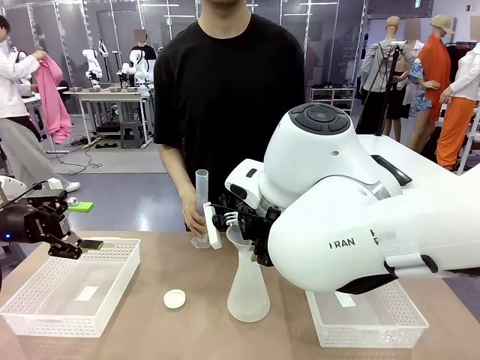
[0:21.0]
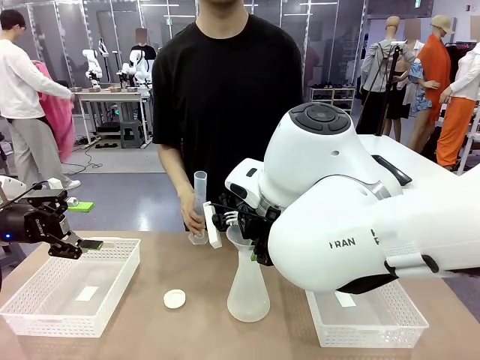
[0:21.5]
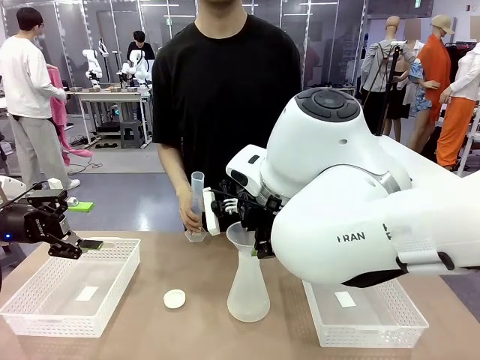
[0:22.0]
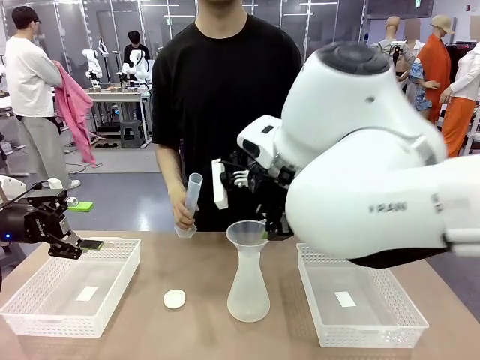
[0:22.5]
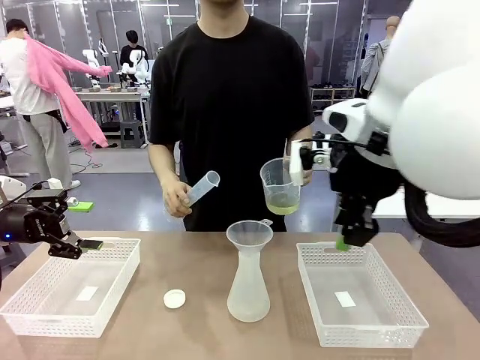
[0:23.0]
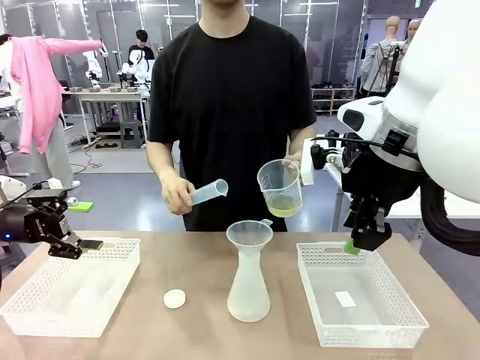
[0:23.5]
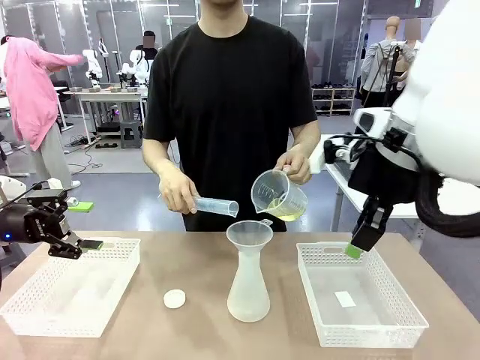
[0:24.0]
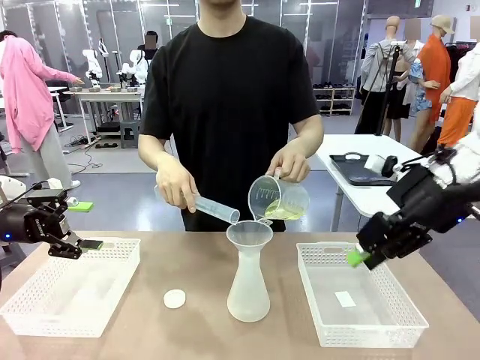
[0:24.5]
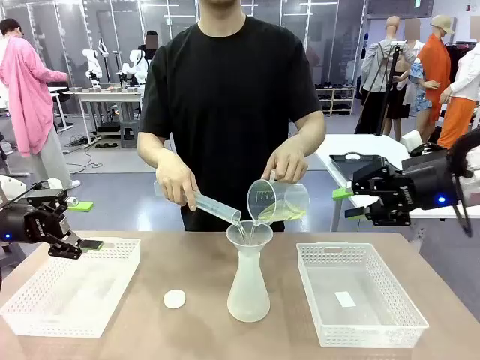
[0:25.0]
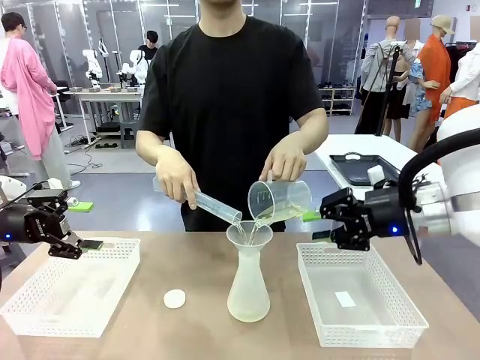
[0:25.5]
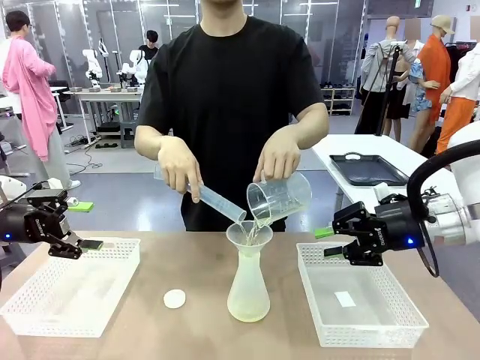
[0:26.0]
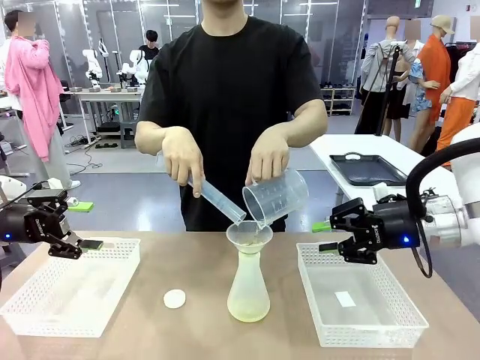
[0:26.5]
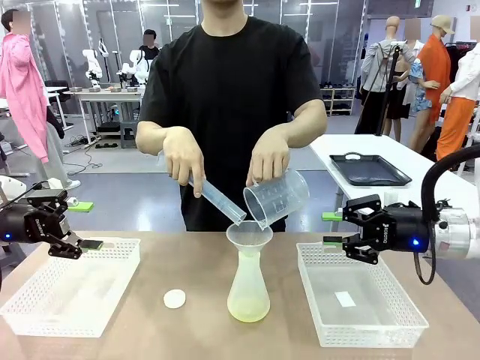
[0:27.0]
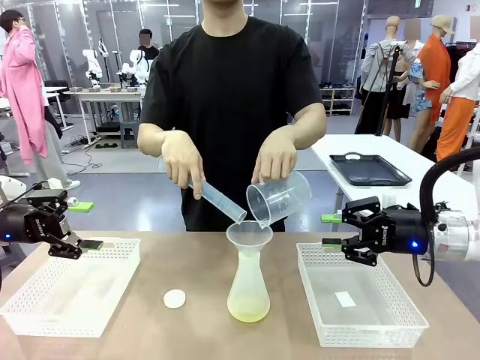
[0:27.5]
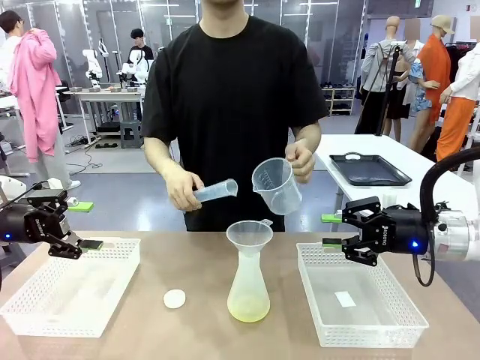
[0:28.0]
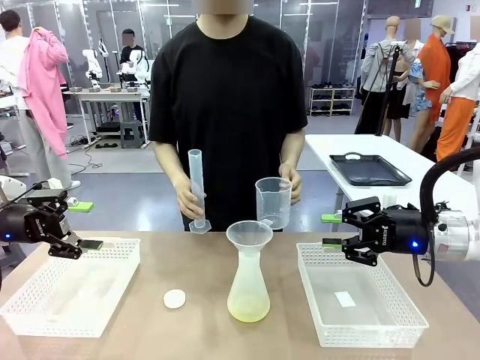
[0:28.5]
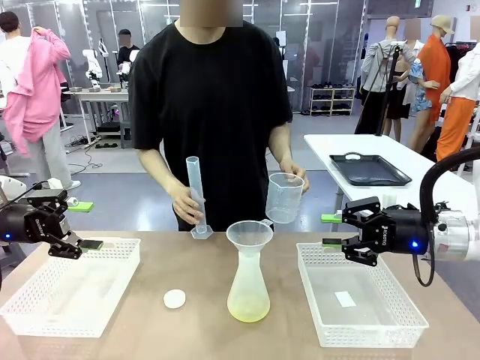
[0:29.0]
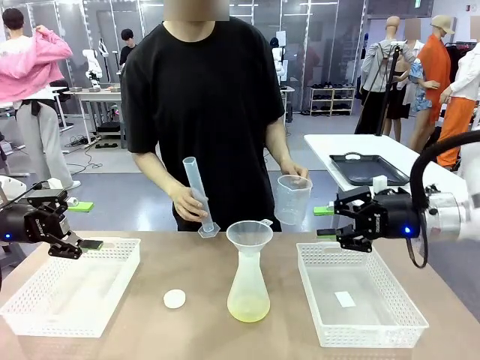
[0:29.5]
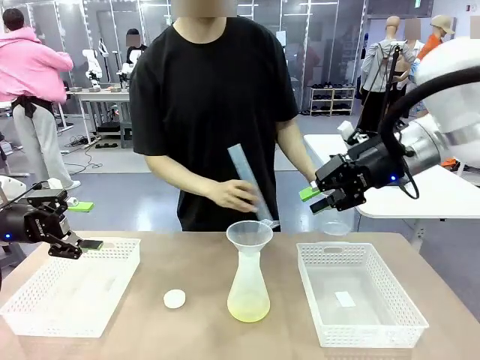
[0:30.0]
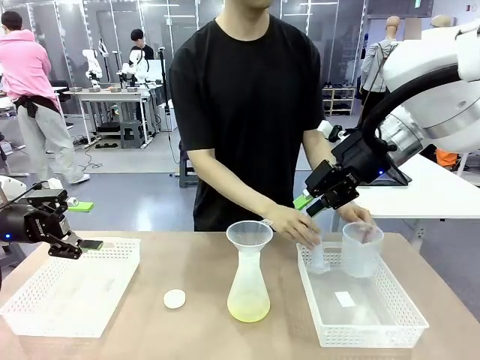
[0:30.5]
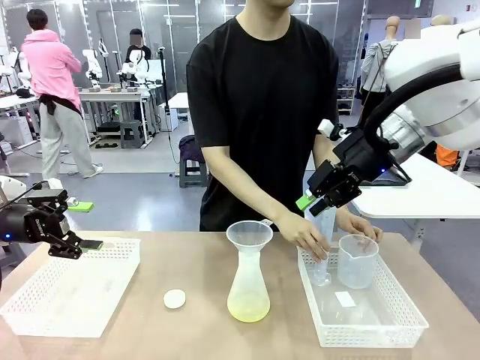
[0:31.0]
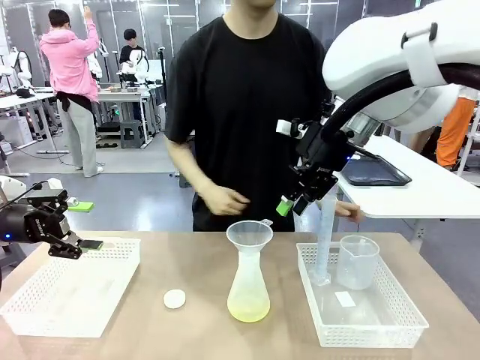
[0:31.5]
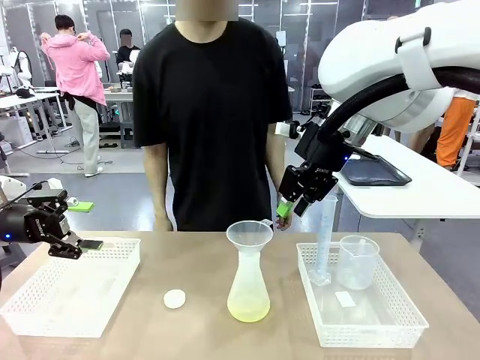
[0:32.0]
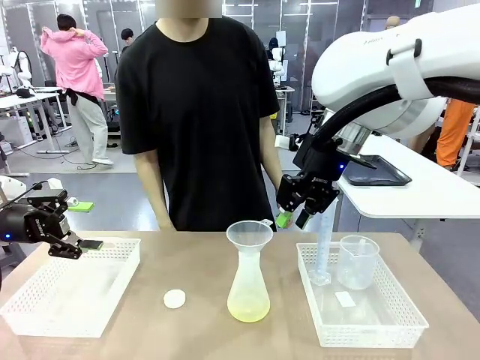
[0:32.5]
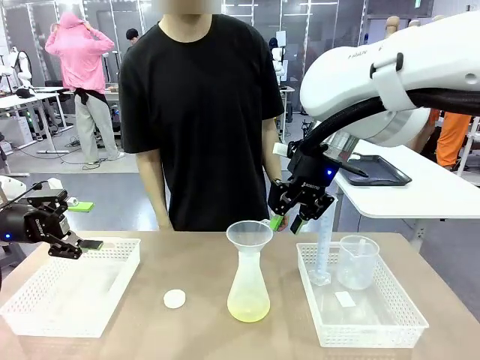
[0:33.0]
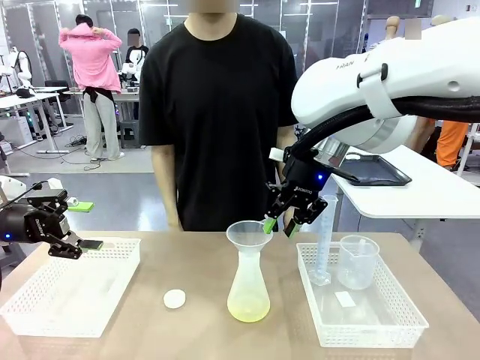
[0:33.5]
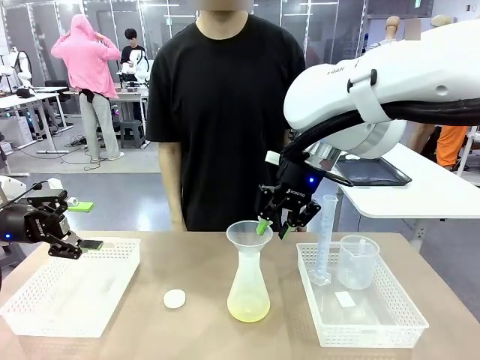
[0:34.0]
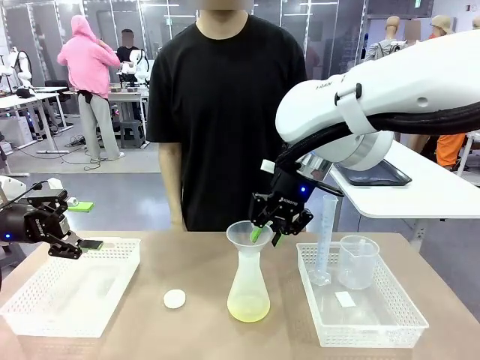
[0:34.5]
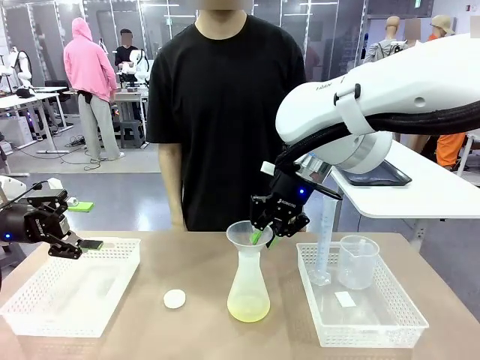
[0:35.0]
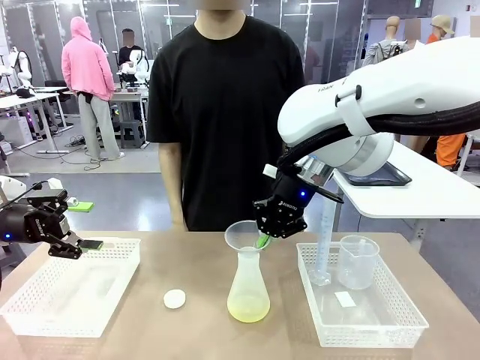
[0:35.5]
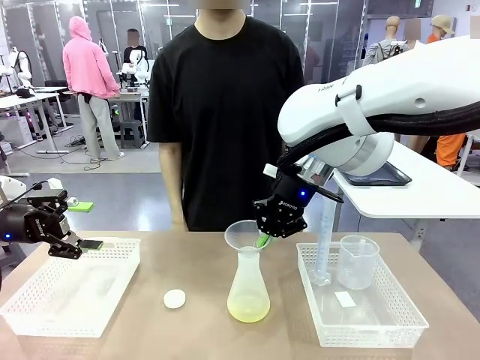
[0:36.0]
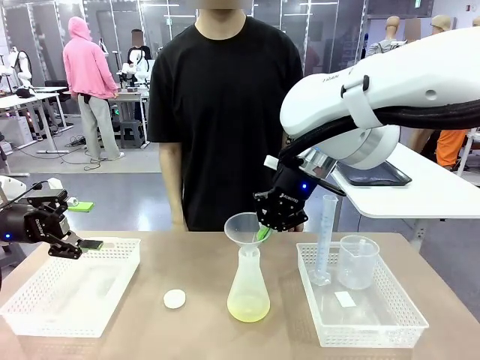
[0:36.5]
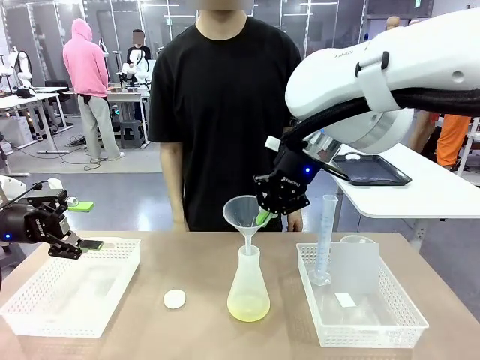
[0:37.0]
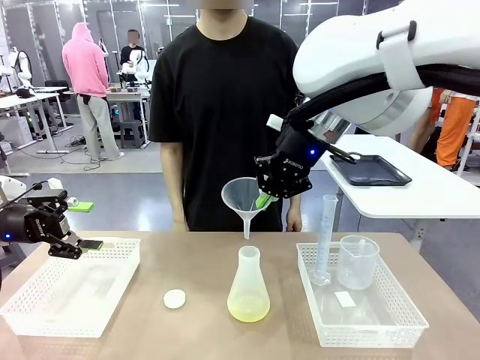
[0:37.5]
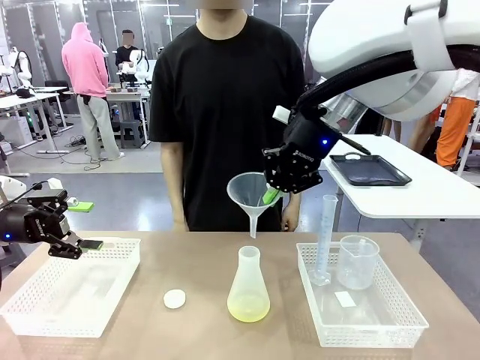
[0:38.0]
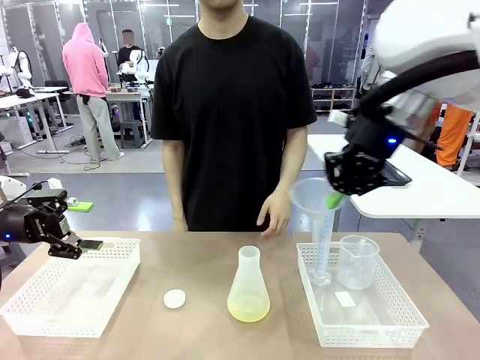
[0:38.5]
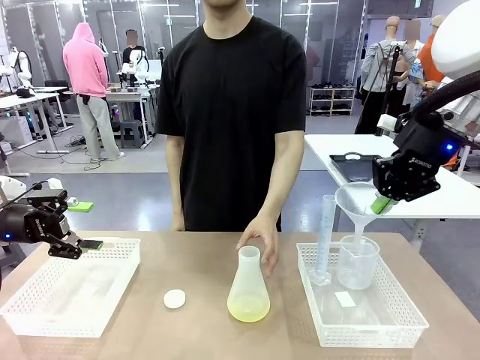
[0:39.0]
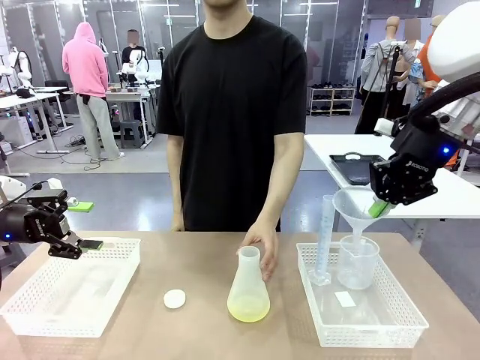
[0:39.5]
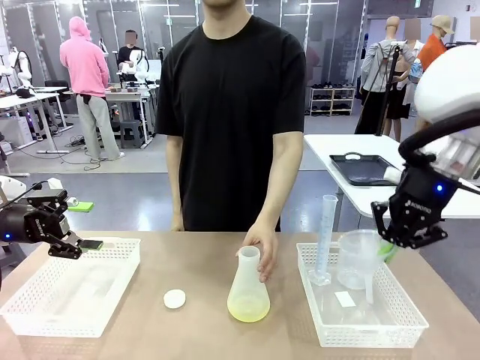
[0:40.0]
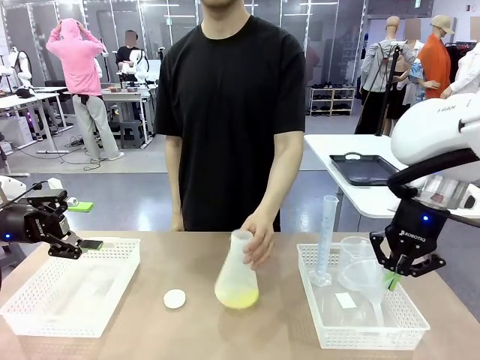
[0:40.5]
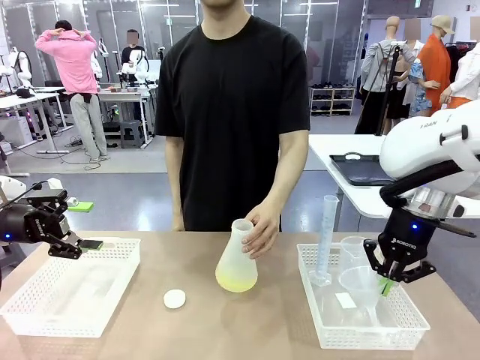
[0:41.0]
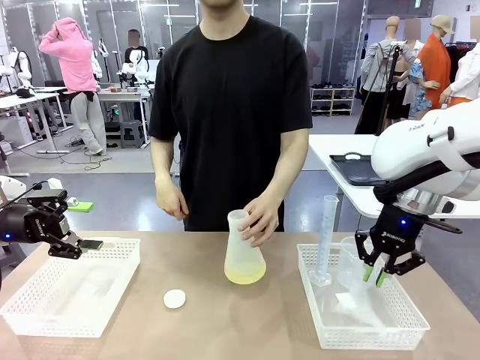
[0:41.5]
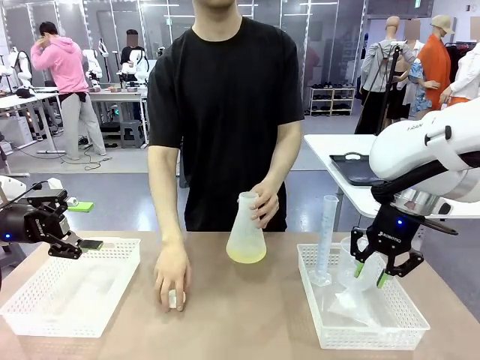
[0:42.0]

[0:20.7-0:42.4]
Task: Prepare the solutions needed for the experiment.
Robot: Once the solution is in the Big flask , pick up the Plastic Funnel and place it back into the right Organizing basket.
Person: Place the beaker and the cylinder into the organizing basket on the left side. Pick up the flask, gently shake it 2–3 times, place it in the middle of the robot table, and close the lid.

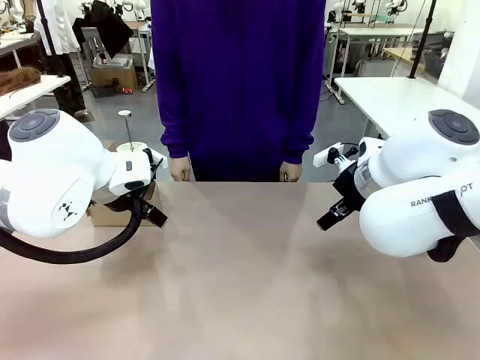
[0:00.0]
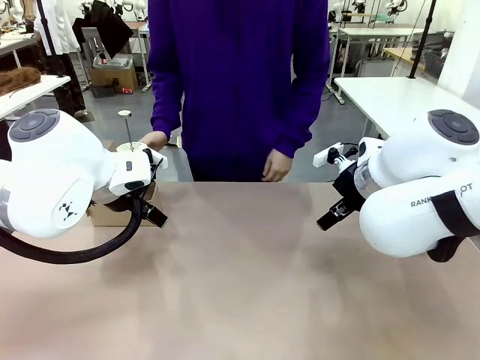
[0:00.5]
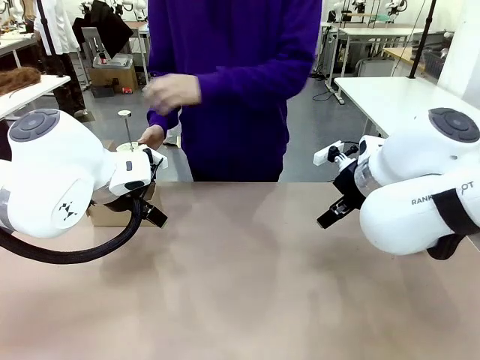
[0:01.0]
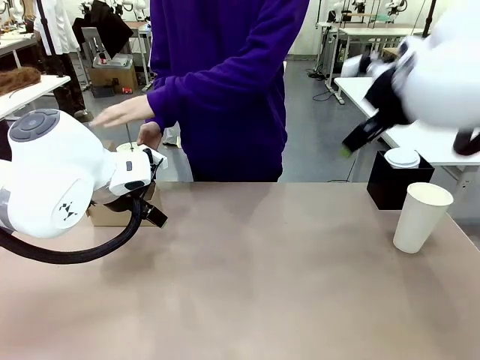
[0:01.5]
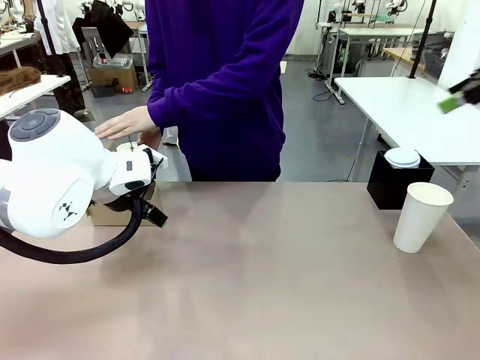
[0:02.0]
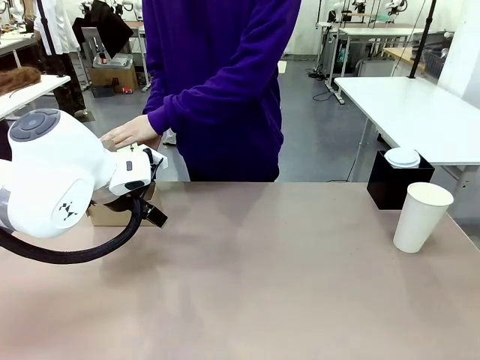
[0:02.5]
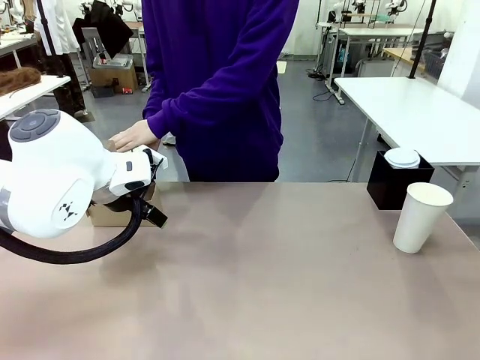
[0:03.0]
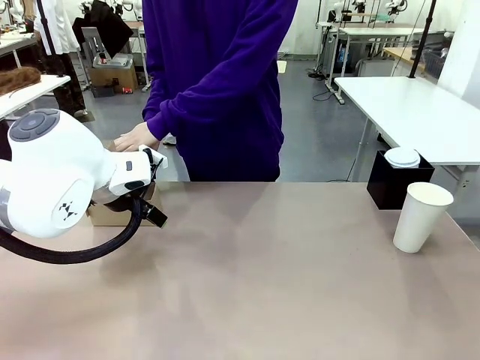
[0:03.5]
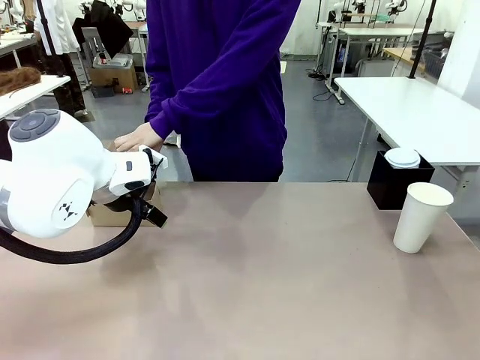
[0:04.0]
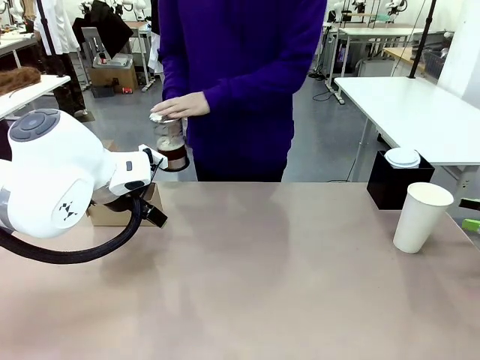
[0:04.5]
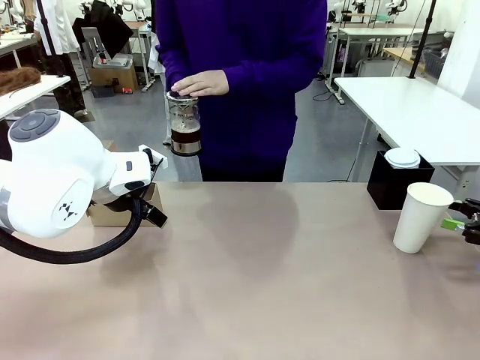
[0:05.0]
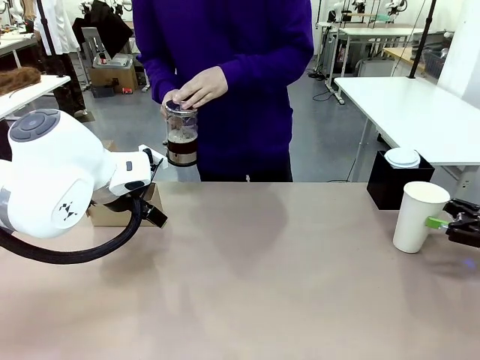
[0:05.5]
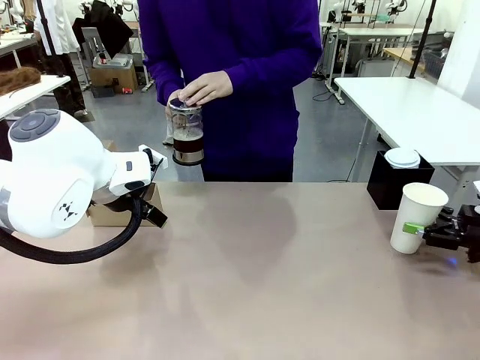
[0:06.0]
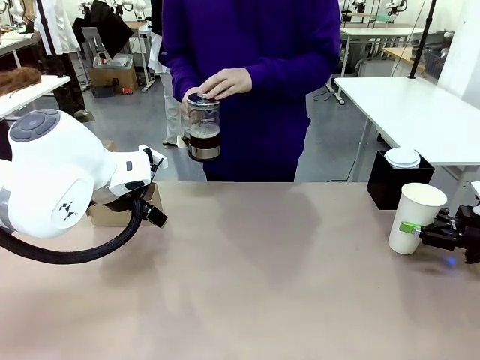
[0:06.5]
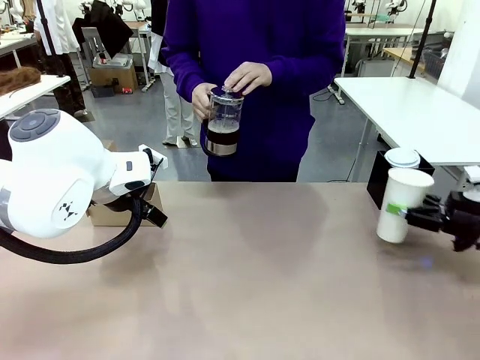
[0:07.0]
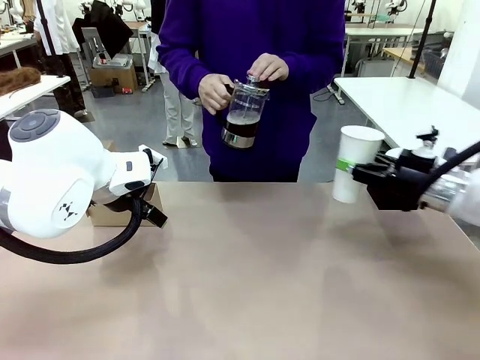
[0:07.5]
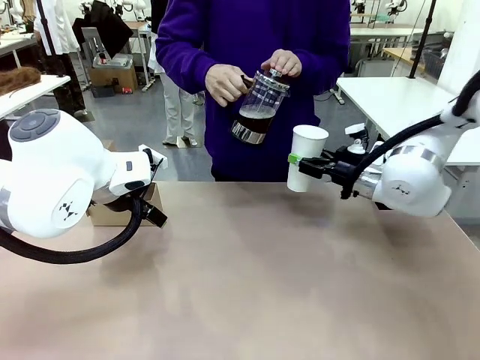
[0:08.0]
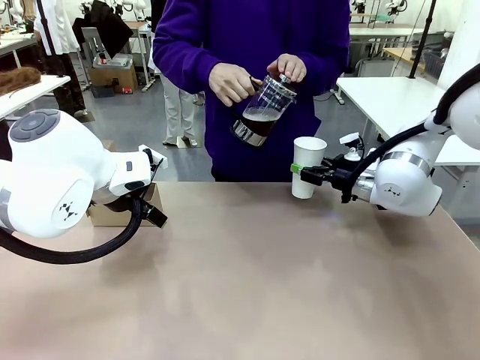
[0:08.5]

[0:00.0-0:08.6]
Task: Pour a drink into a cup and package it in a carrier.
Robot: Pick up the 600 ml Paper Cup and place it in the middle top area of the table.
Person: Press and pick up the Filter Brewing.
